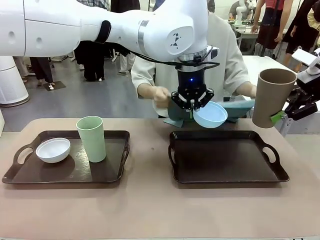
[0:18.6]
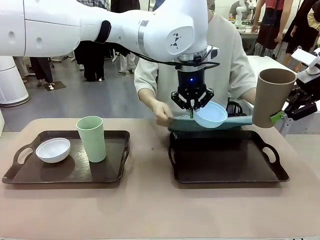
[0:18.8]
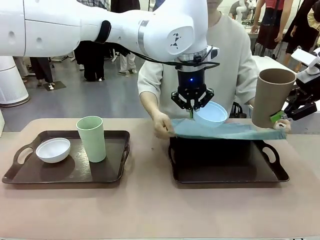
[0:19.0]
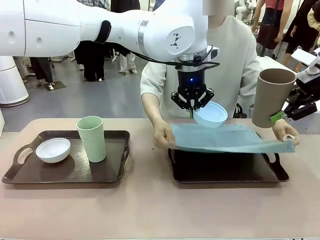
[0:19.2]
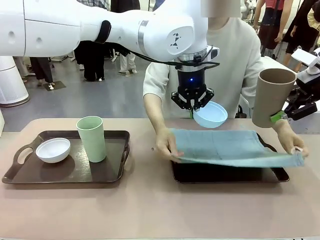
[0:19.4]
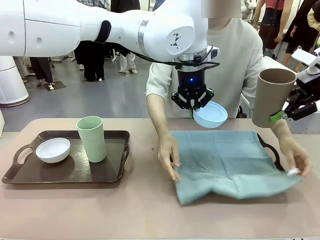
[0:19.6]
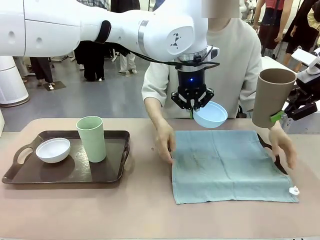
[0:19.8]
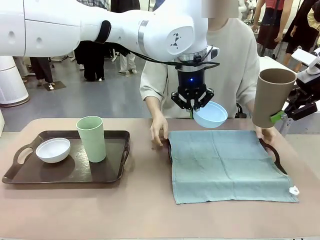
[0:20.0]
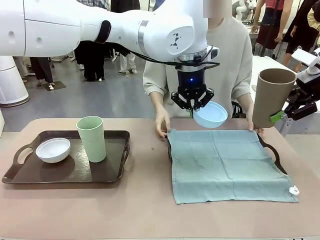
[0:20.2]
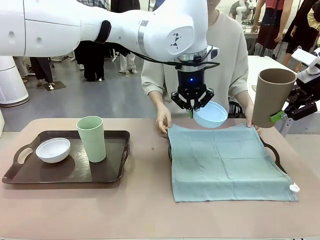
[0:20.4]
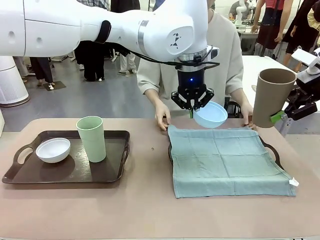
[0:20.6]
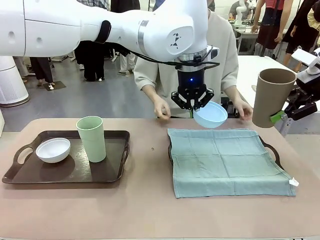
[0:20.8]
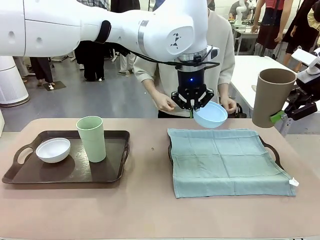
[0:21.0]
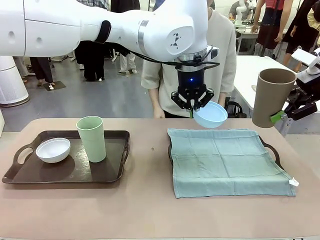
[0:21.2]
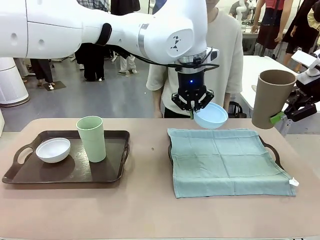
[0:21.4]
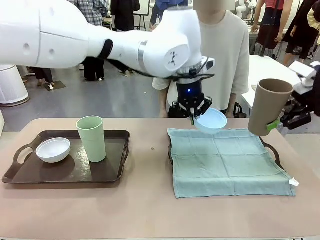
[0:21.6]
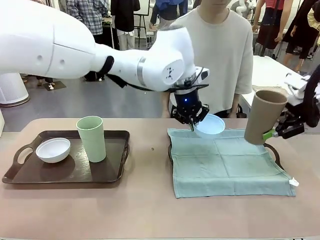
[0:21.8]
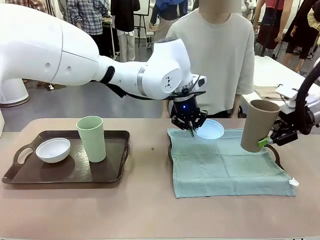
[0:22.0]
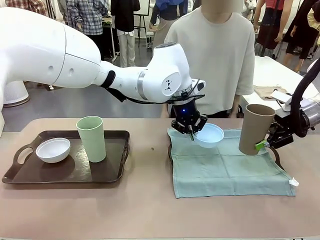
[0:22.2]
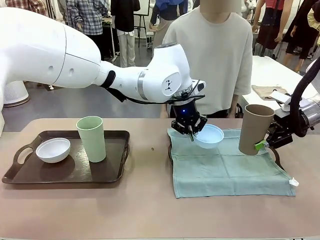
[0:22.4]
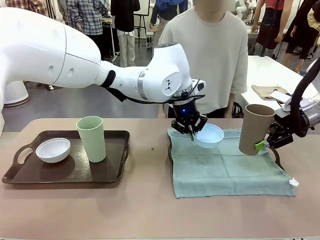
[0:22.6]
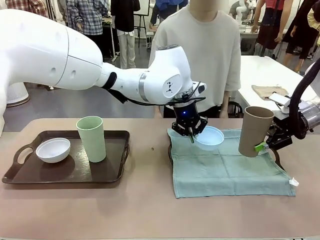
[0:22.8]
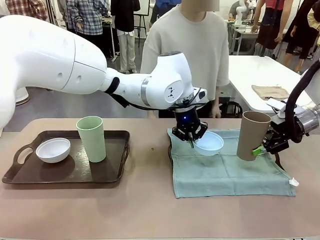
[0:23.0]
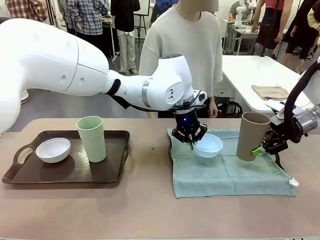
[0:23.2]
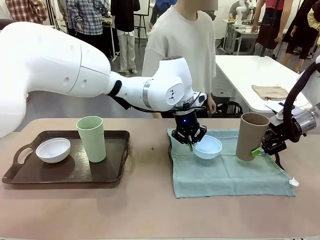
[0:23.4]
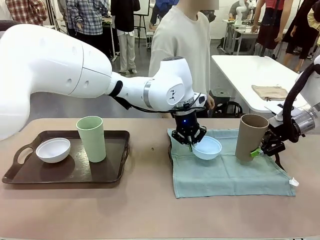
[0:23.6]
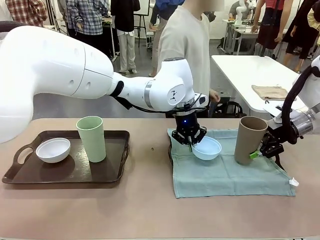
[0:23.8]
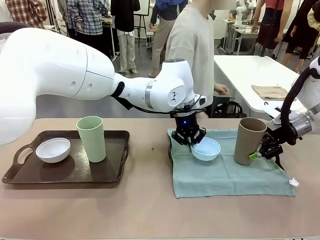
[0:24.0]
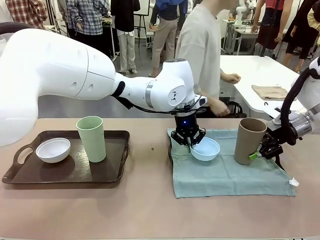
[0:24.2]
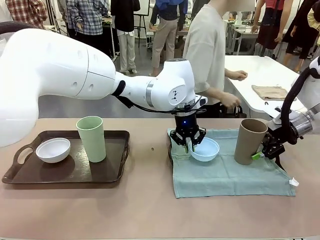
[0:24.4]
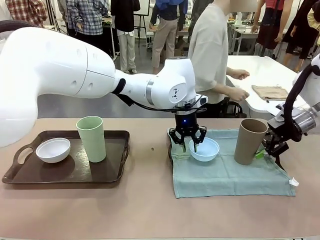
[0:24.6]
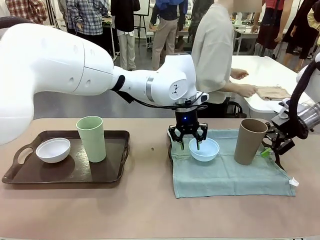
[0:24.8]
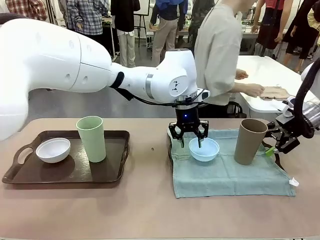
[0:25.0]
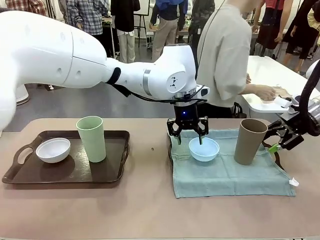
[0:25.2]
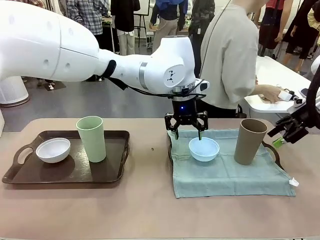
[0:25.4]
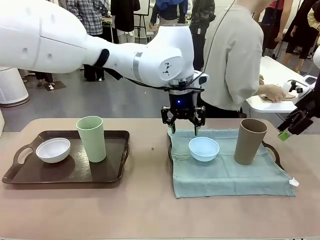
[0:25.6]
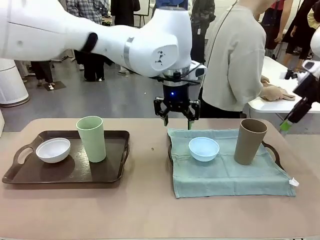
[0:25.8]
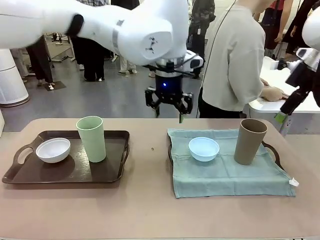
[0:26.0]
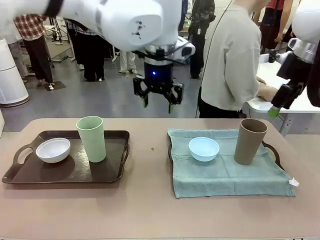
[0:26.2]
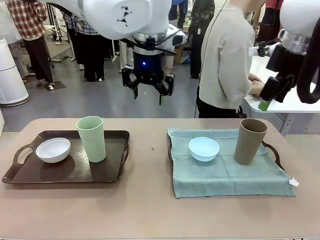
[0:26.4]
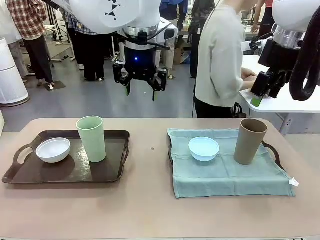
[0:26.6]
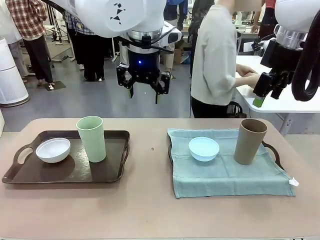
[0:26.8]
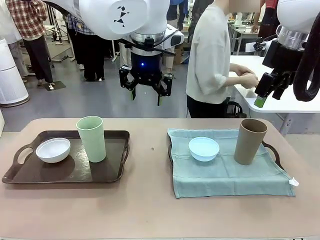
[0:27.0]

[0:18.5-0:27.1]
Robot: Place the Picnic Bowl and Reusable plastic cup back onto the Handle tray in front of the human's position.
Person: The human returns to the human table to pick up another napkin and walks to the robot table to stand in front of the tray without a napkin.

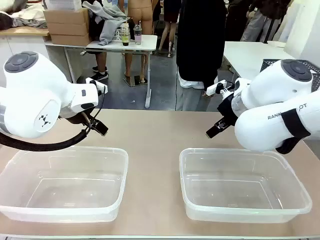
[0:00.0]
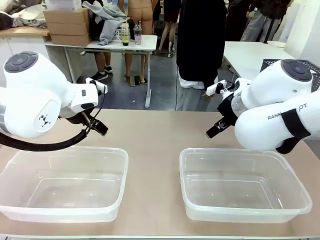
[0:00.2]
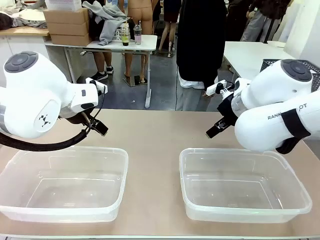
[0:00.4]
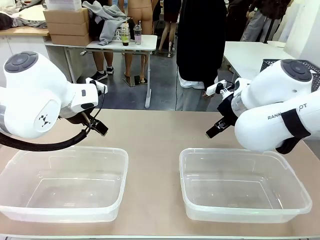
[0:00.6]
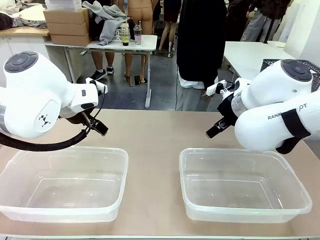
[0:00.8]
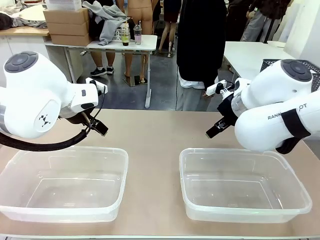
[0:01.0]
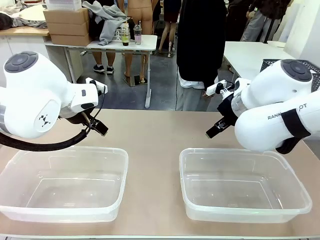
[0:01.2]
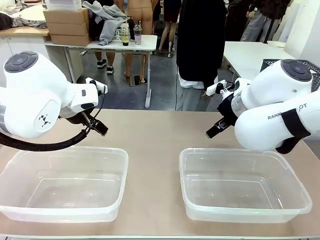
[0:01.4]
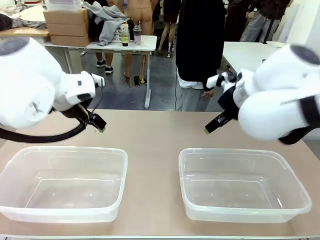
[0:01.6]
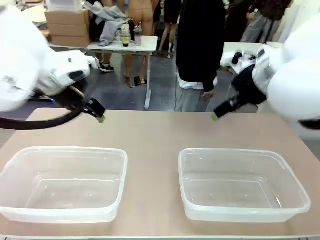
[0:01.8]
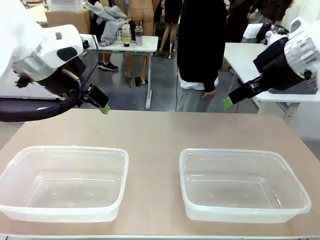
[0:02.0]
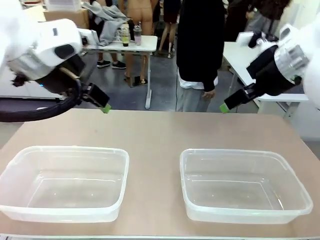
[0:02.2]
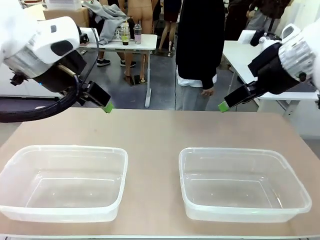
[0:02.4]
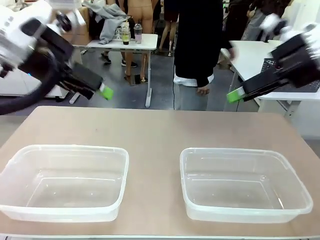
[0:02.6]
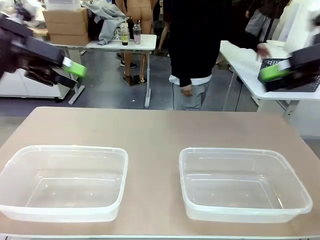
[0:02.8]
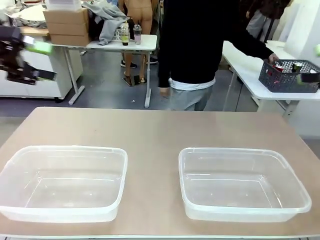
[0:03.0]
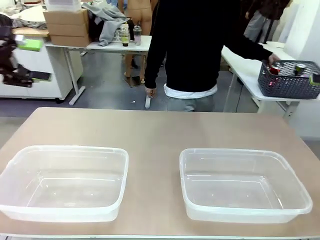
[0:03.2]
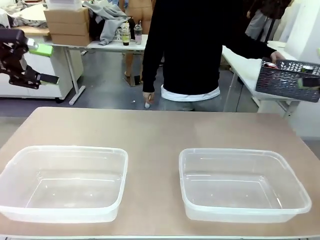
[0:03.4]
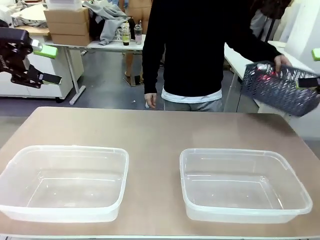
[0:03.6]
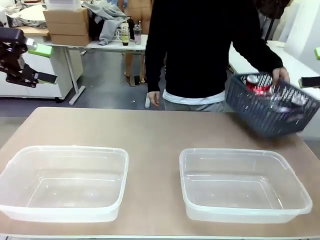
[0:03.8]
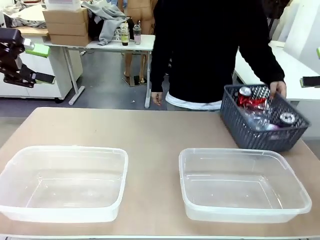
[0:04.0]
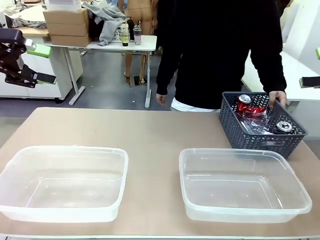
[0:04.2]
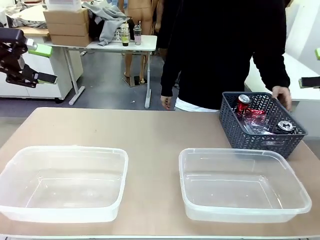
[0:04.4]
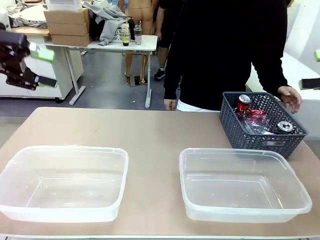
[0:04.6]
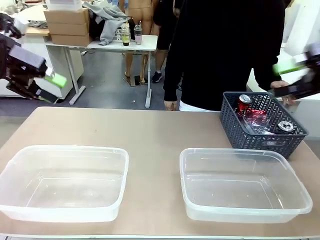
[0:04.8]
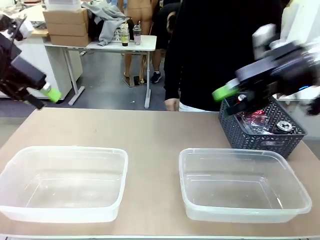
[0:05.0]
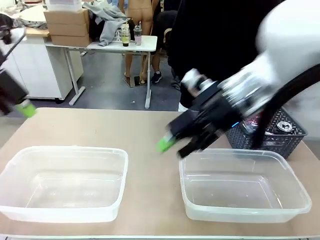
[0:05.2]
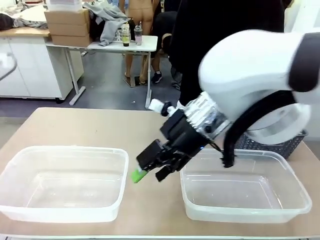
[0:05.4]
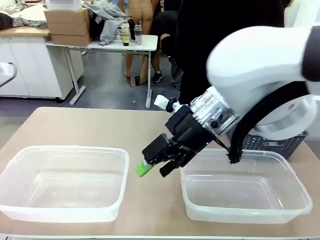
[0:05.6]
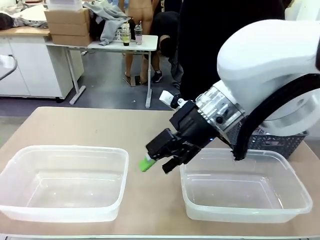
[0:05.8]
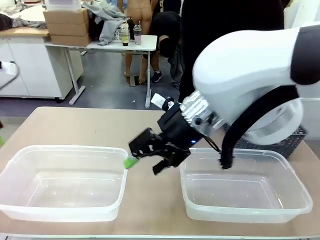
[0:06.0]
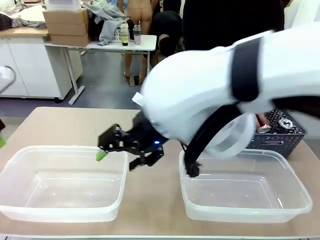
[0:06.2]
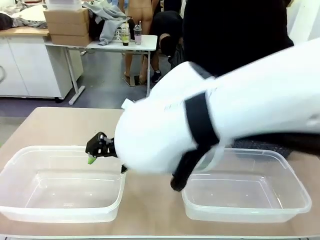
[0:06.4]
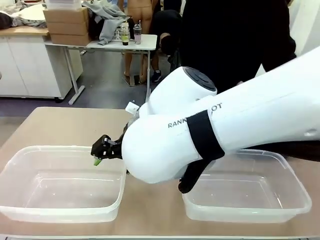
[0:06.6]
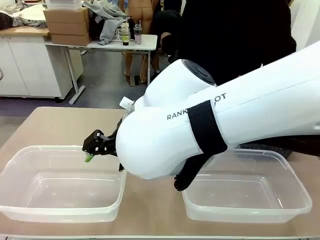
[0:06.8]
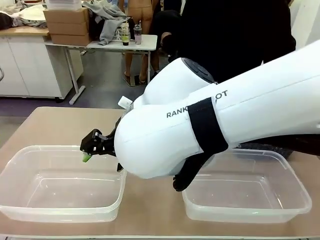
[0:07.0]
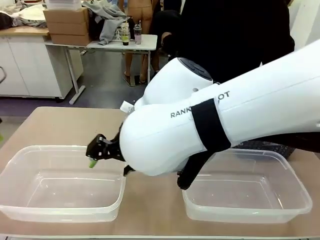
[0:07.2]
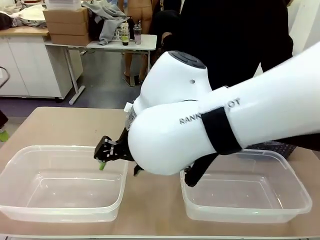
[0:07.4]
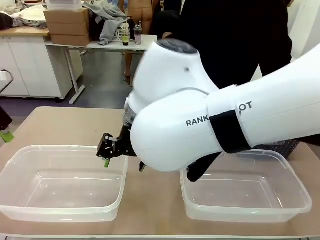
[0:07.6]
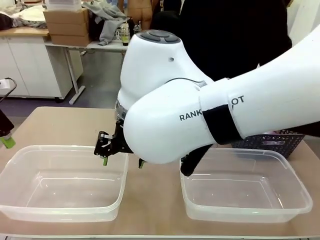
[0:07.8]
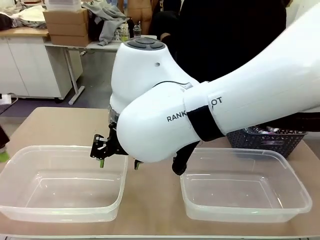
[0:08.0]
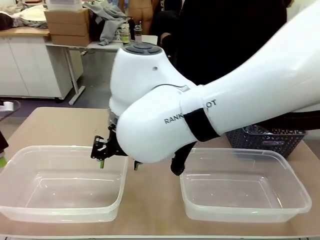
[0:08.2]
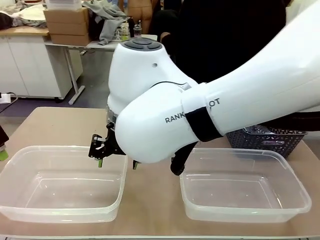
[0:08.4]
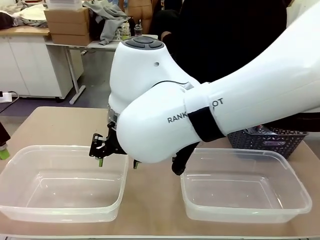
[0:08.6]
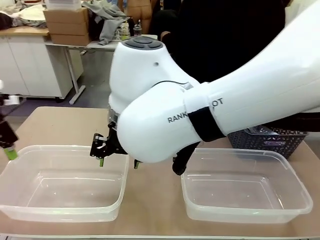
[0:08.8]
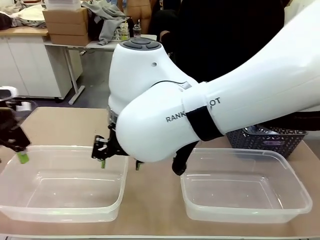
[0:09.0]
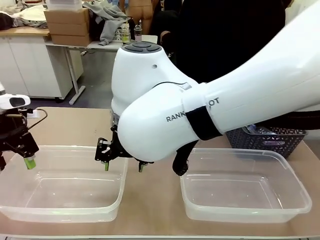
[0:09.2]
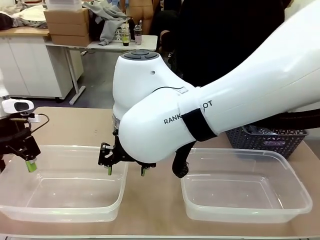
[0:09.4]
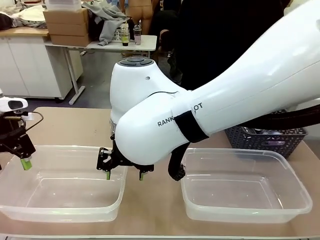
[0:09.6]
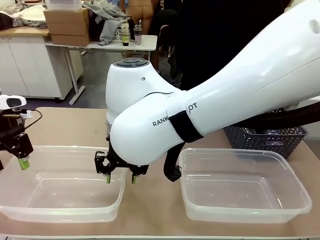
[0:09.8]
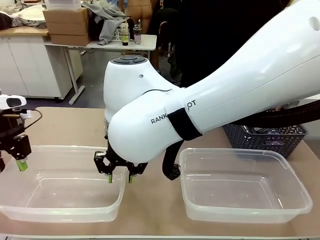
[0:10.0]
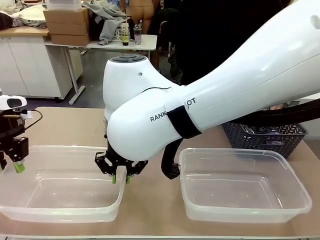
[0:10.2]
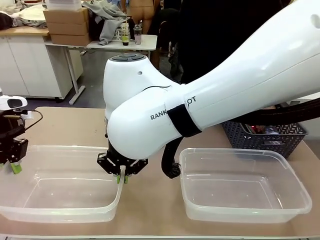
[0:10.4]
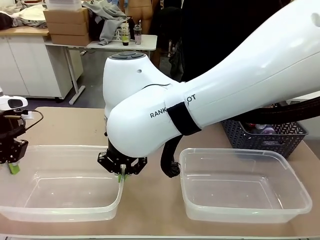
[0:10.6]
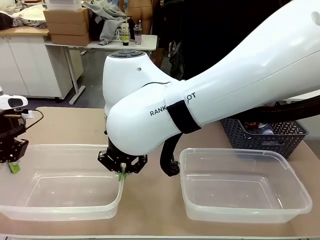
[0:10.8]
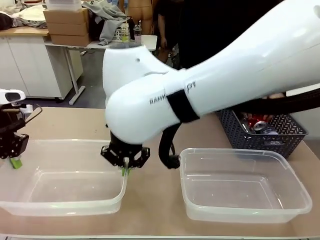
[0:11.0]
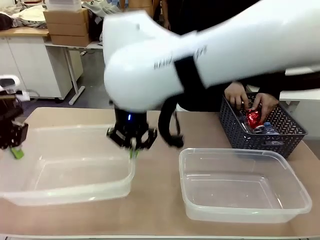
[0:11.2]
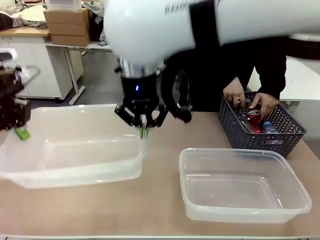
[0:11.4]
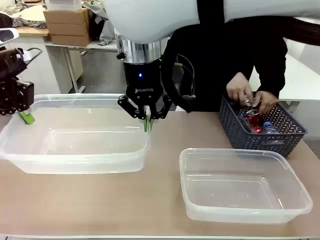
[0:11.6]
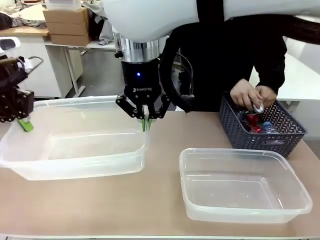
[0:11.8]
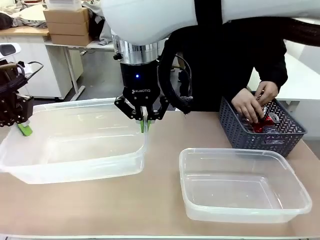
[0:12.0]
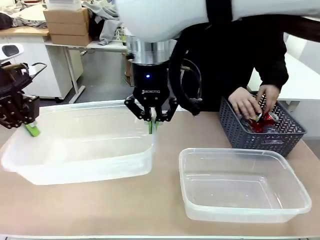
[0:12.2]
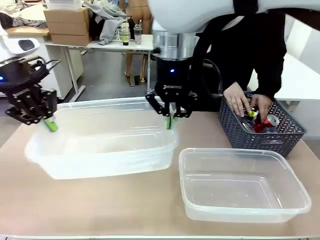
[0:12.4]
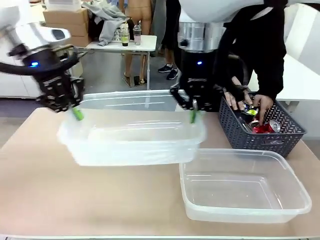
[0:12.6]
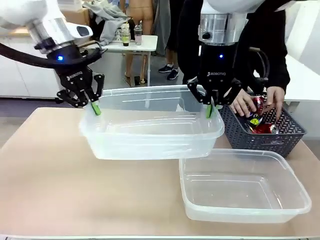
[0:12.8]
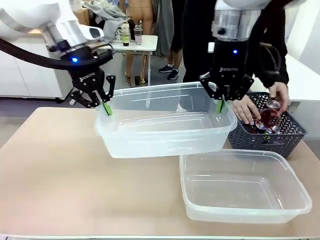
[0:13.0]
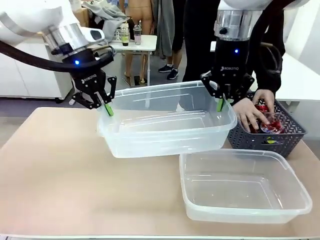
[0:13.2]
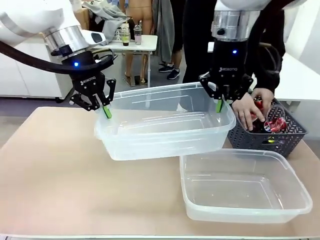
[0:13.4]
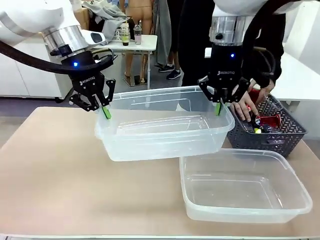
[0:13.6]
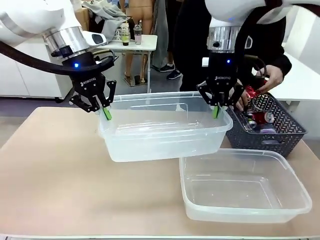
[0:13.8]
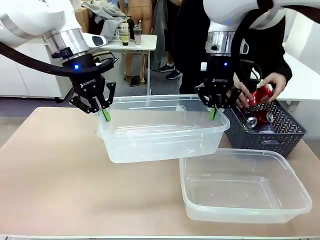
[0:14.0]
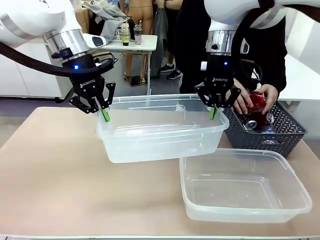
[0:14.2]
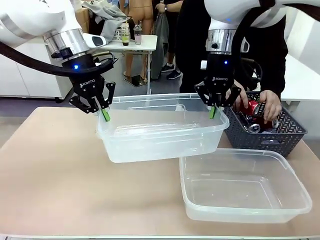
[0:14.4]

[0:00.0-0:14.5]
Robot: Pick up the Organizing box on the left side of the table and lift it.
Person: Pick up the storage basket and place it on the left side of the robot table. Pick up can-shaped waste one by one and place it into the organizing box lifted by the robot.
